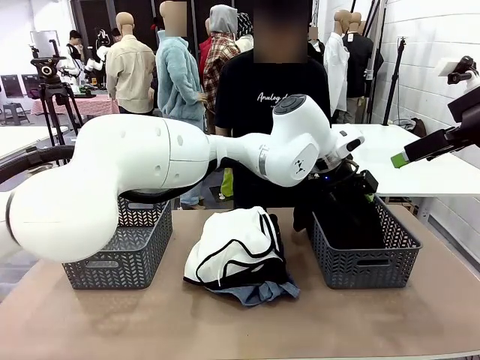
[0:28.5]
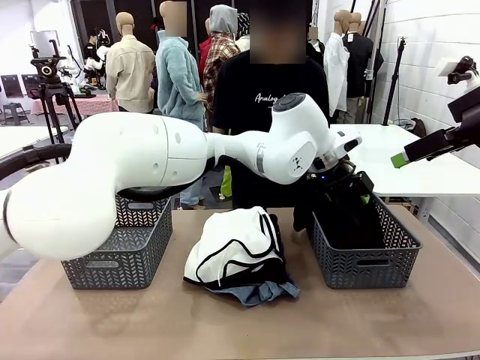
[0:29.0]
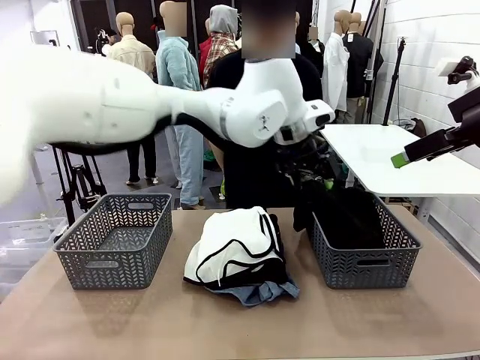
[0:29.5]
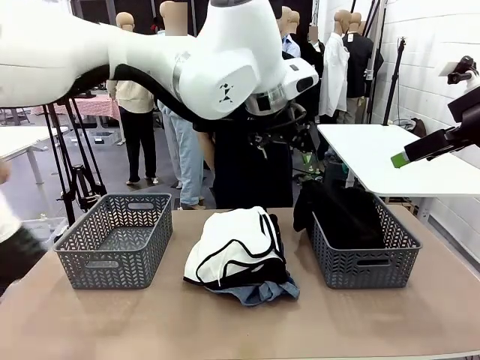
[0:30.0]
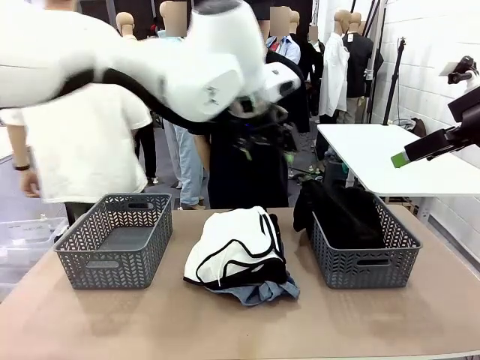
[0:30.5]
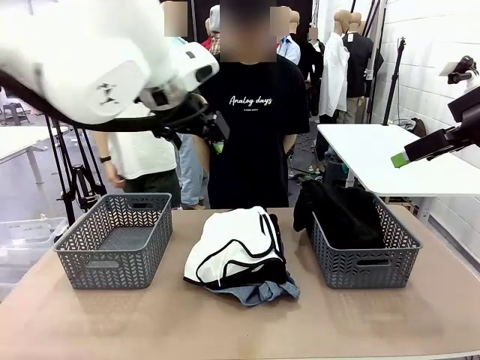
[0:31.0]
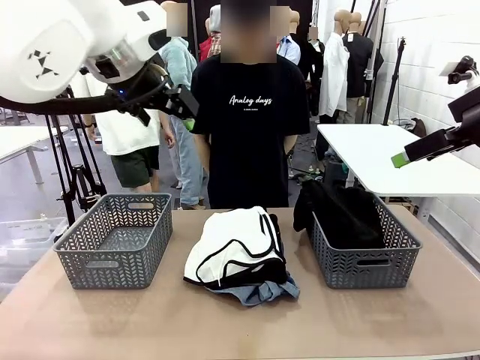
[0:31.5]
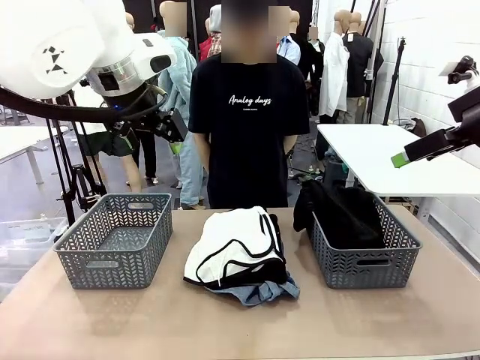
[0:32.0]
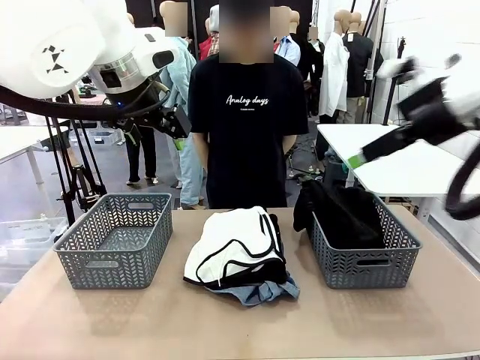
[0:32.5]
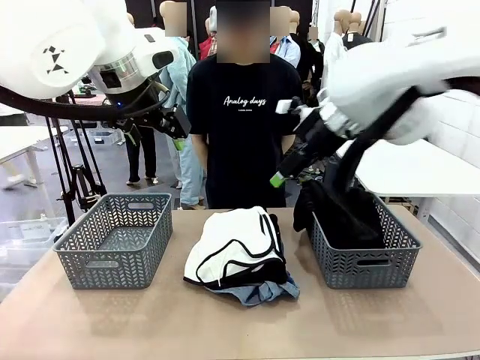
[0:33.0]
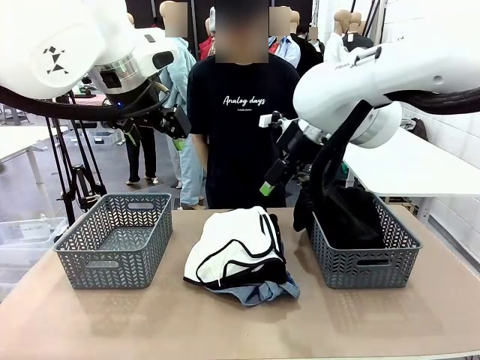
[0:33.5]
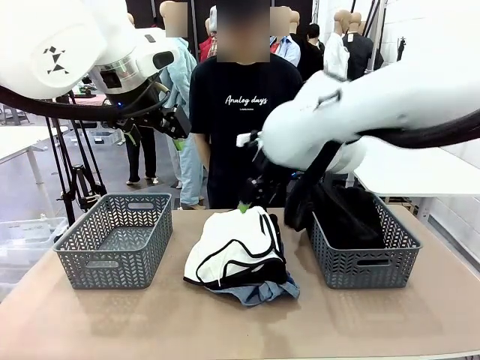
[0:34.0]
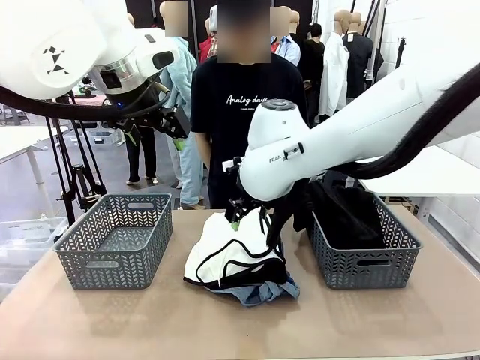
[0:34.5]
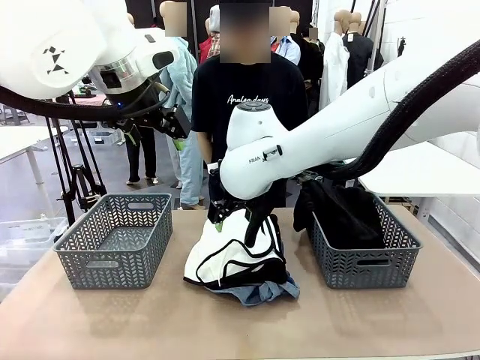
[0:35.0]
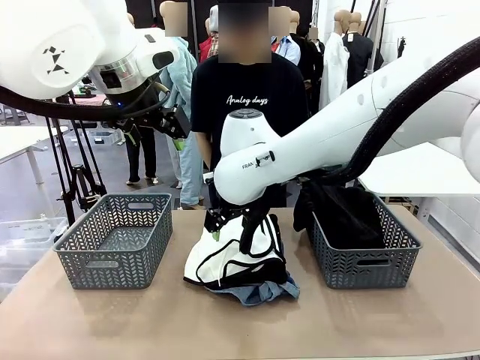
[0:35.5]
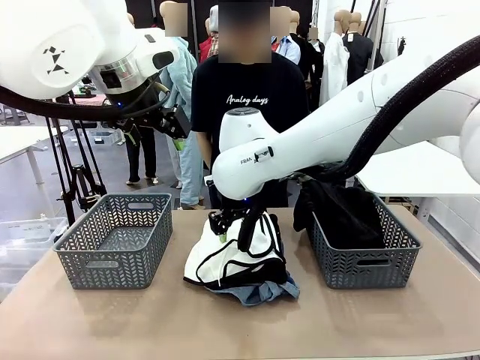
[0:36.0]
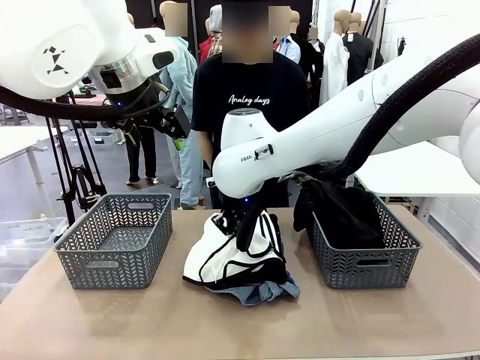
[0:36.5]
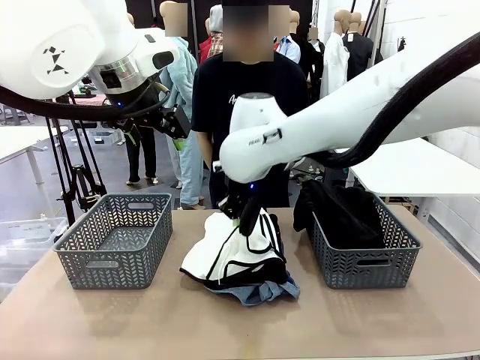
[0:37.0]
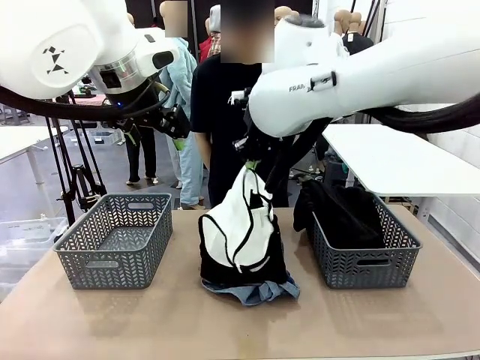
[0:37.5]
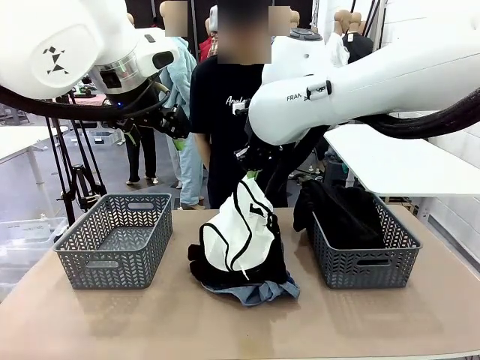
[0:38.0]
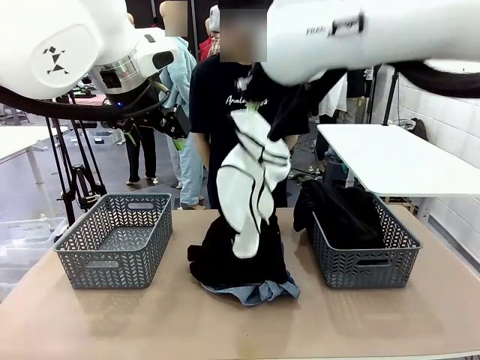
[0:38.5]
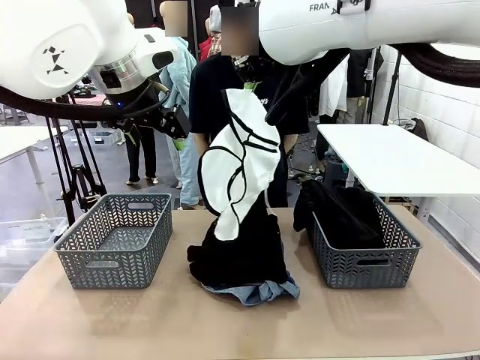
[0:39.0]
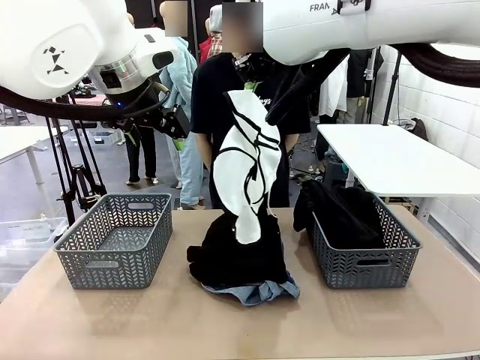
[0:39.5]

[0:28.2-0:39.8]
Task: Sort the tops and bottoms.
Robot: Lift clothes from the center of the table with your right hand.

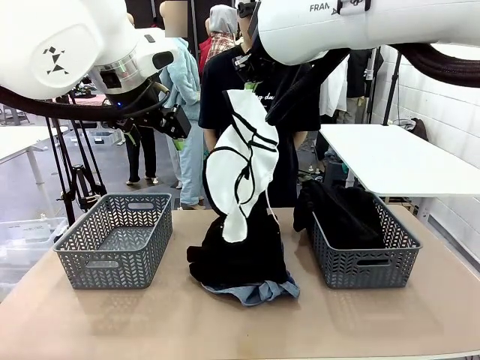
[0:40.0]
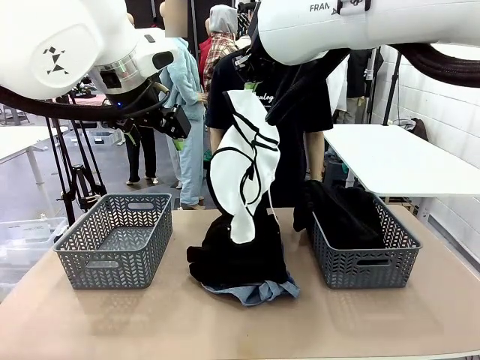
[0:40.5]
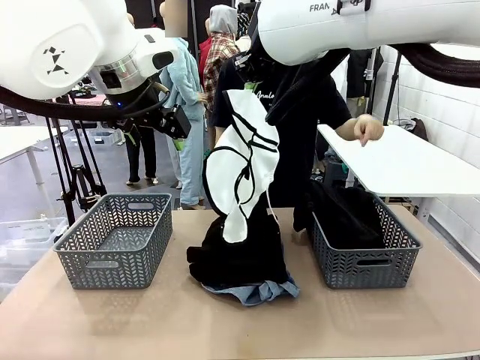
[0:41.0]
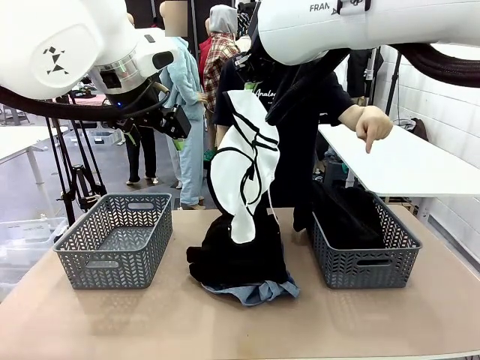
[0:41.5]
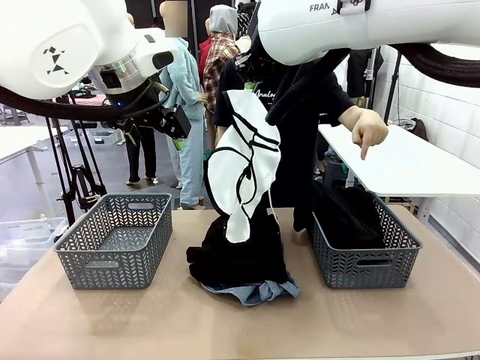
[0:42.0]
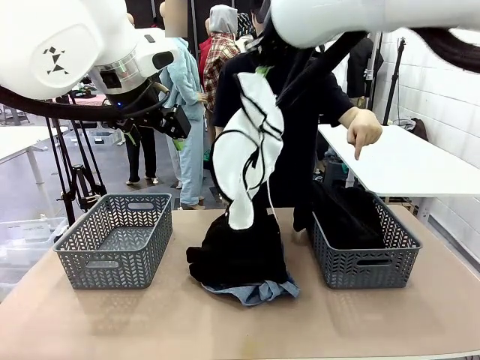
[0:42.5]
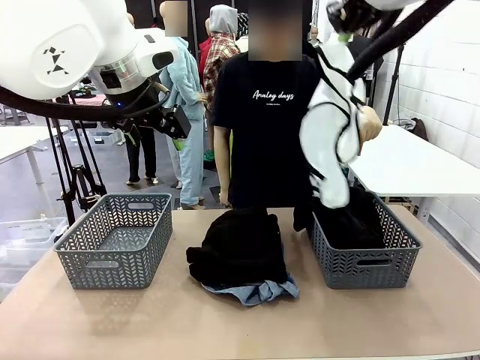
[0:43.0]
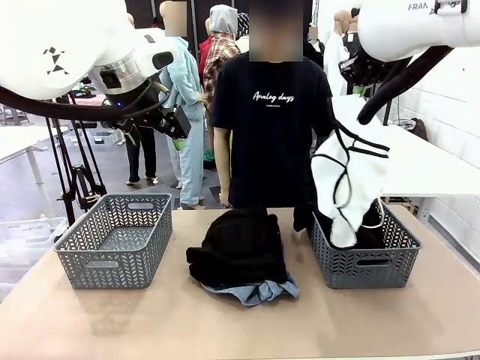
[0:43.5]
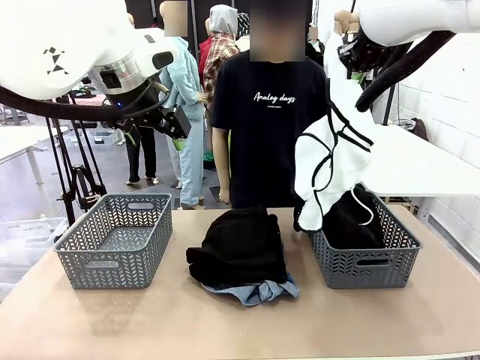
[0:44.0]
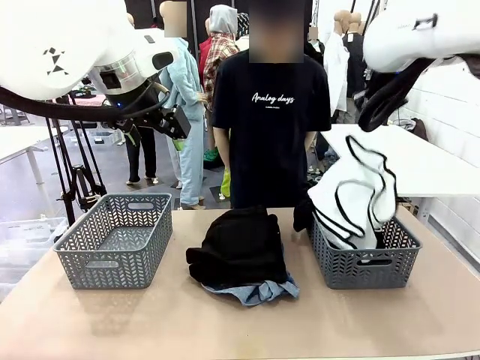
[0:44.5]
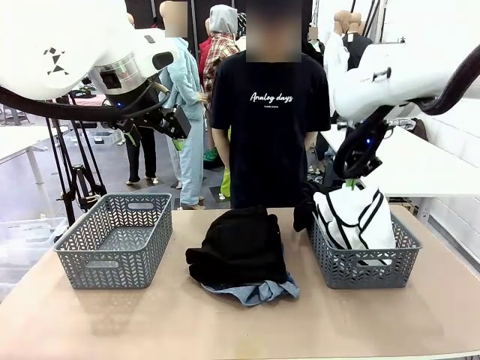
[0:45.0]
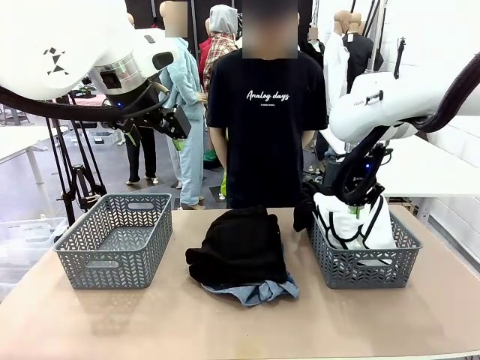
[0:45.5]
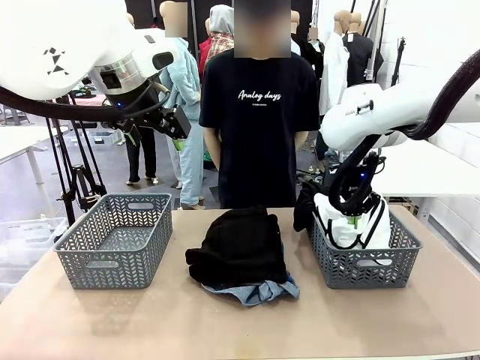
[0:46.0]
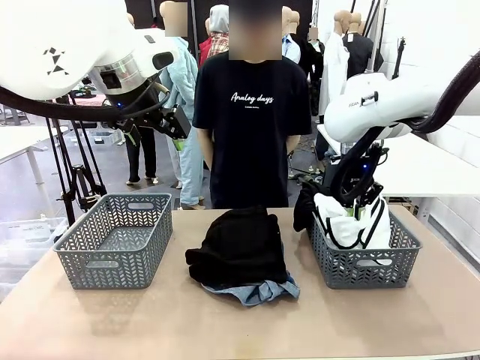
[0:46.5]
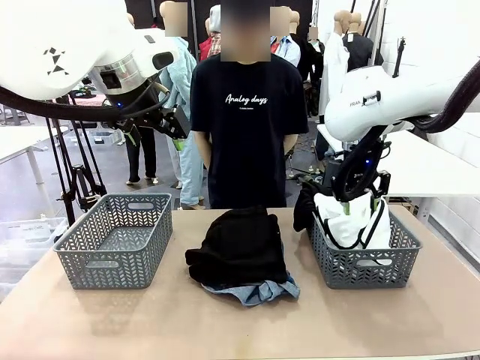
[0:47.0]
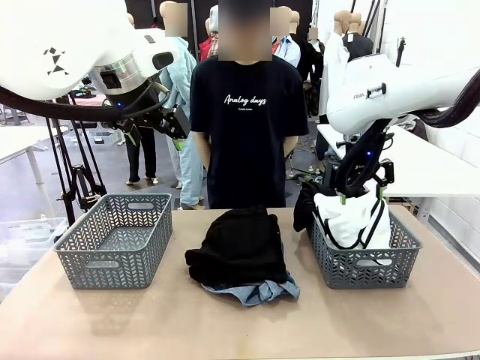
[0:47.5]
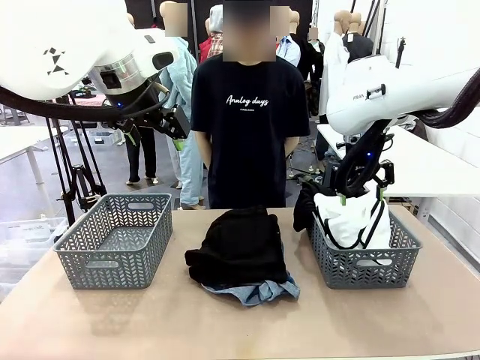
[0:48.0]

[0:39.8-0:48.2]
Robot: Sort the clothes according to human instructions.

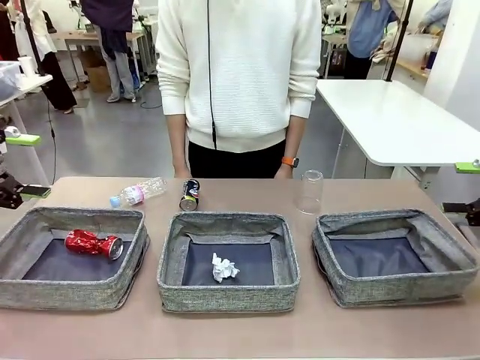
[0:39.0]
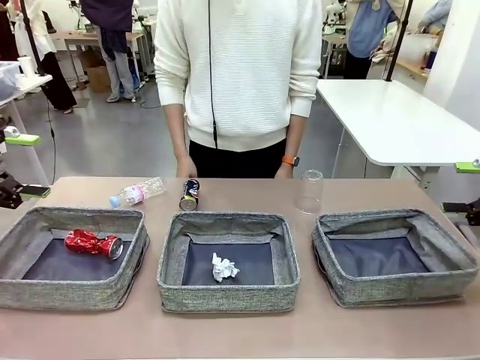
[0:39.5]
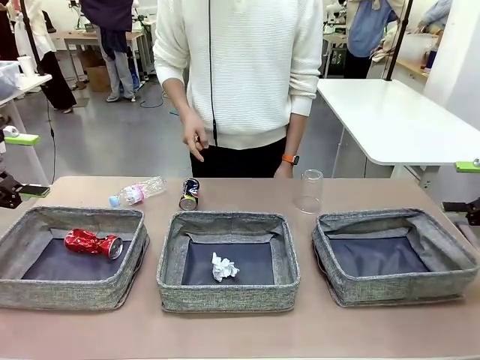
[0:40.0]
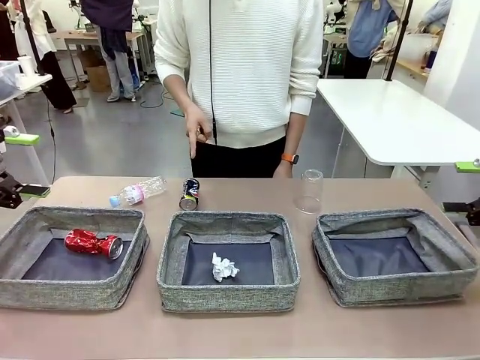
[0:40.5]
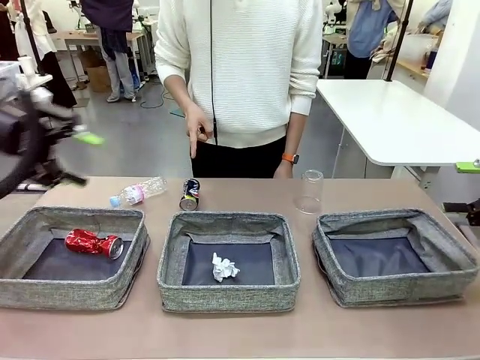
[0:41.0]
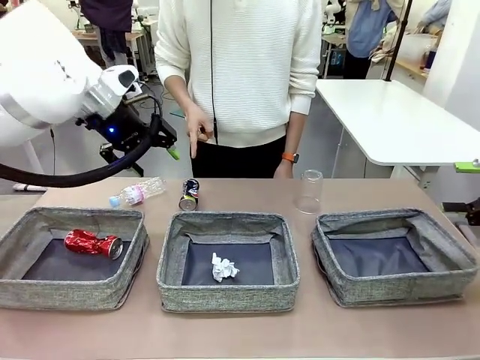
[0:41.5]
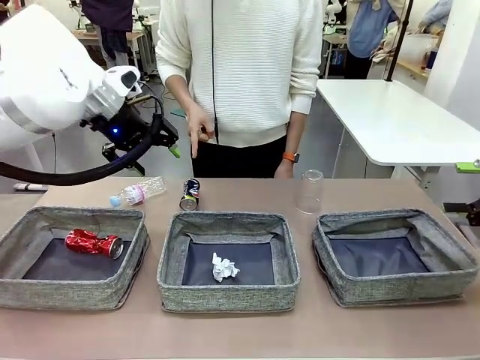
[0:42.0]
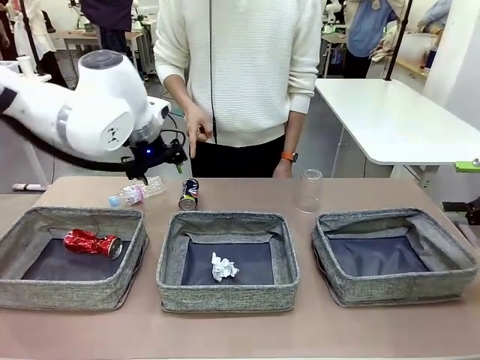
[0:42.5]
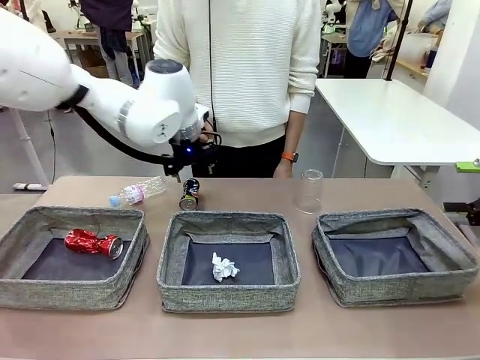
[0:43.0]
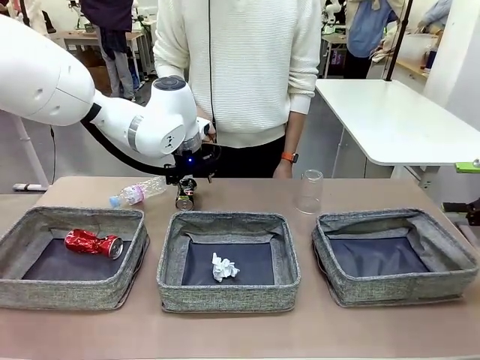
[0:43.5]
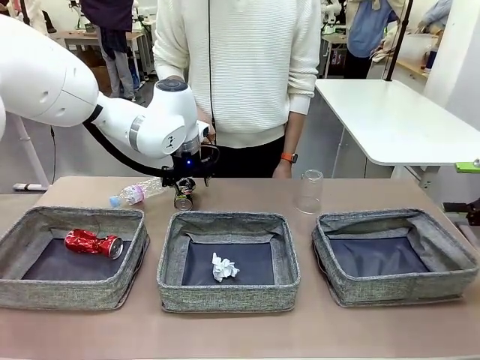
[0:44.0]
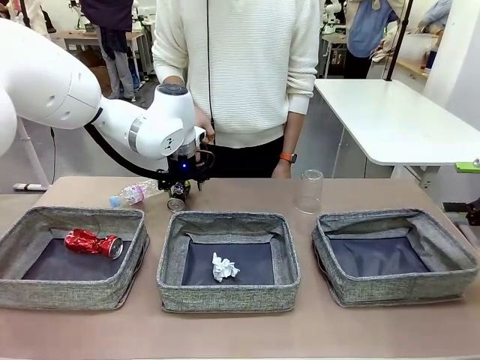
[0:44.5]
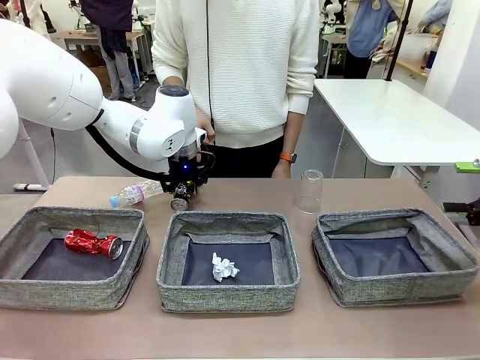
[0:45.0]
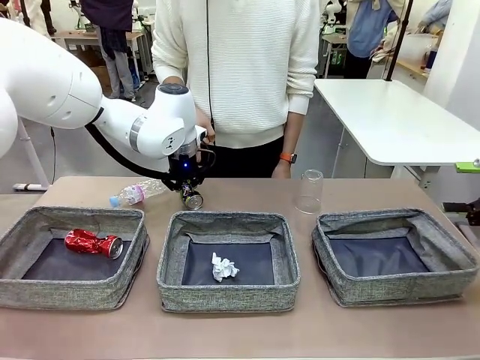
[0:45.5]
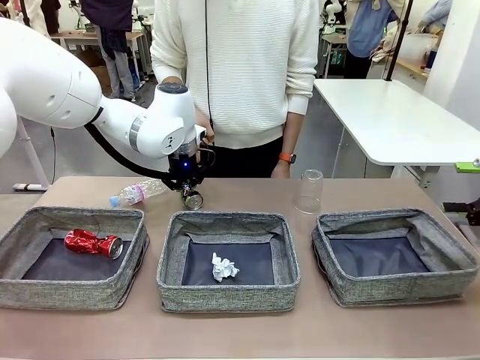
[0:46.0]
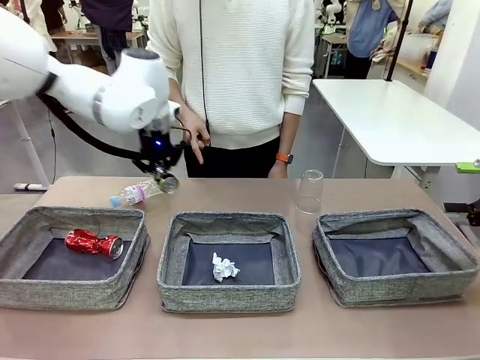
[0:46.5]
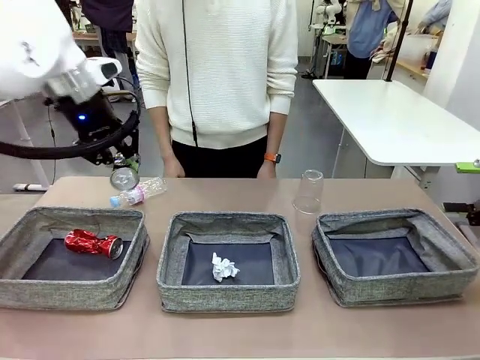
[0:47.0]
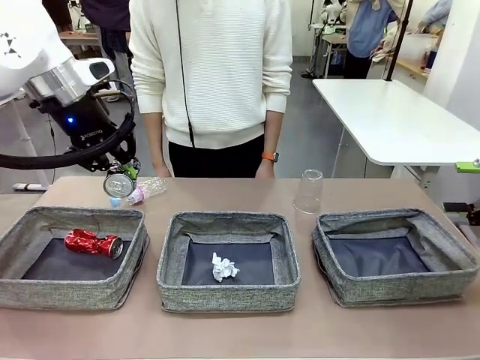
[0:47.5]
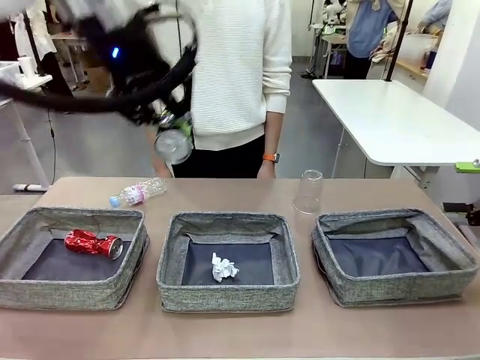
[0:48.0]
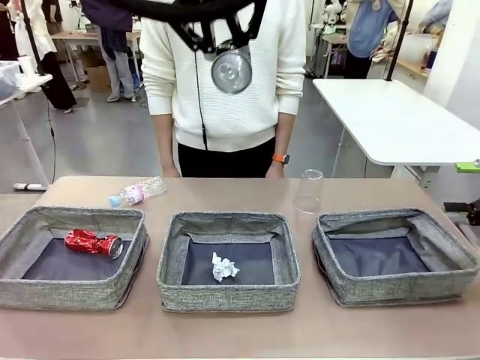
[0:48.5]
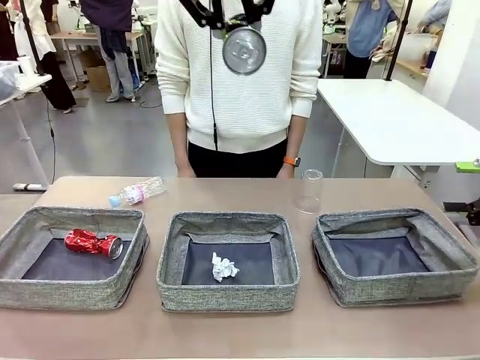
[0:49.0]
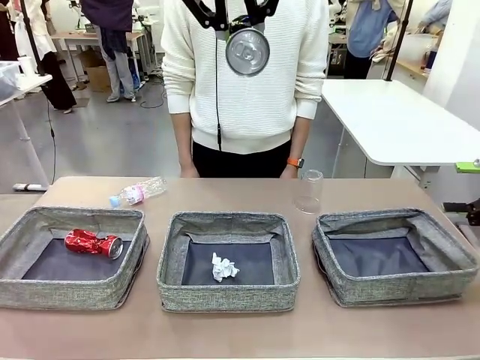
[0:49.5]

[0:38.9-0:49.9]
Task: Sort the waste into the appropriate baskets.
Robot: Pick up the waste item pointed out by the person.
Person: Points to one piece of trash on the table.
